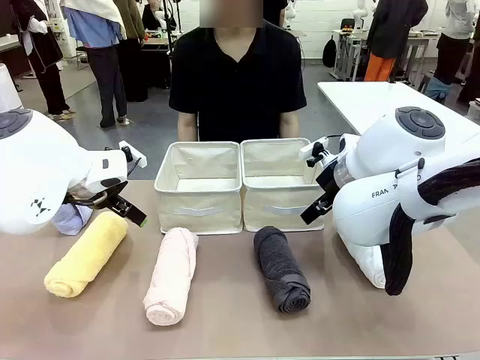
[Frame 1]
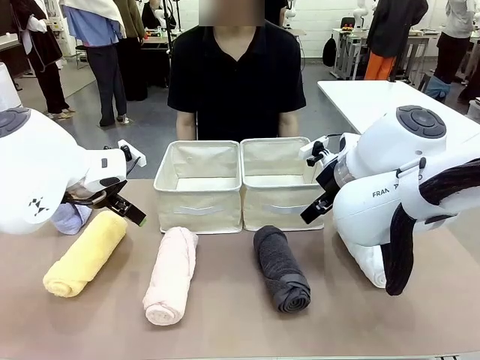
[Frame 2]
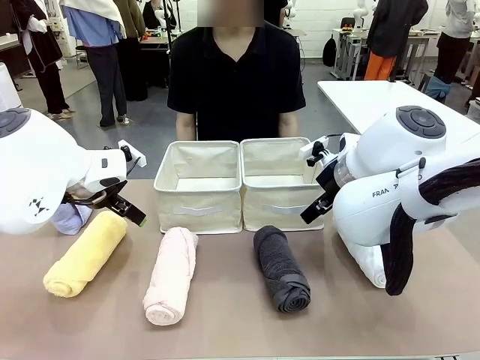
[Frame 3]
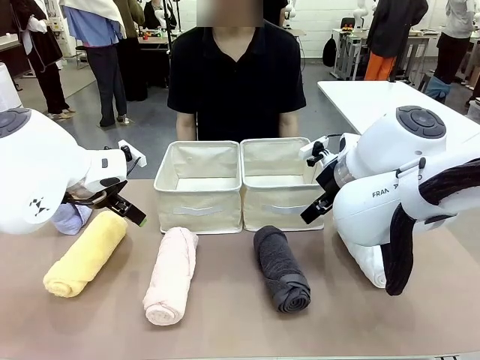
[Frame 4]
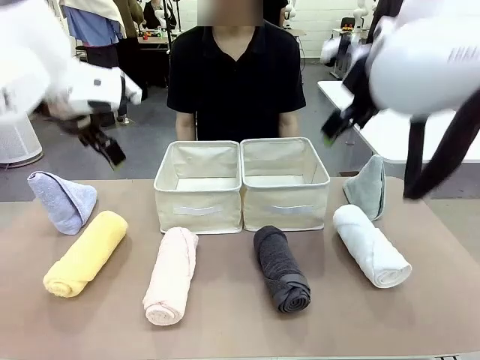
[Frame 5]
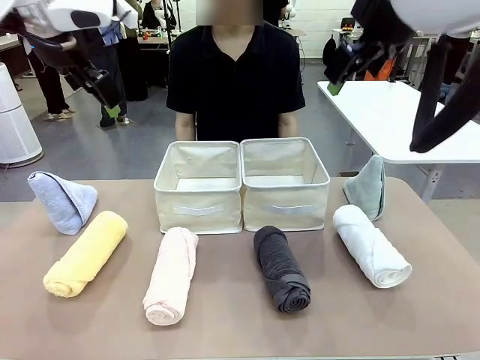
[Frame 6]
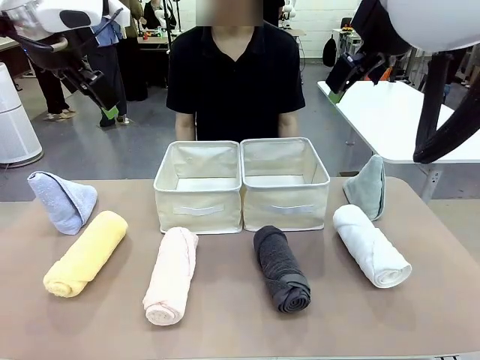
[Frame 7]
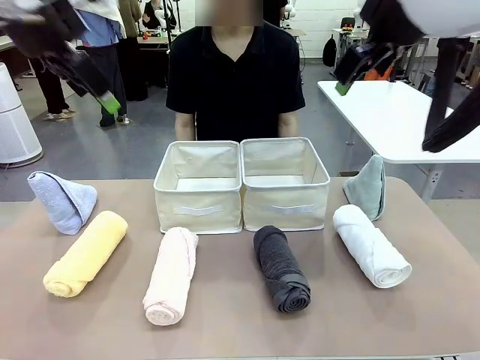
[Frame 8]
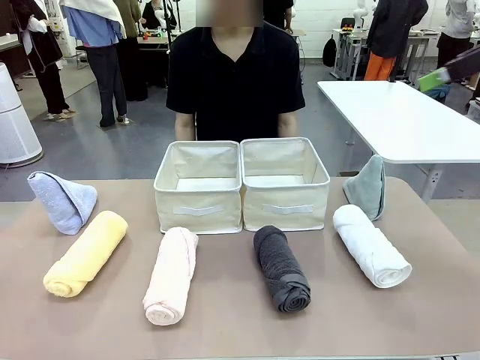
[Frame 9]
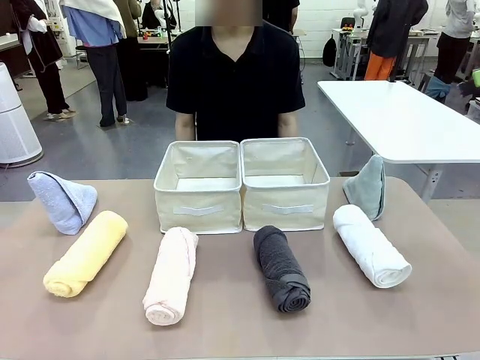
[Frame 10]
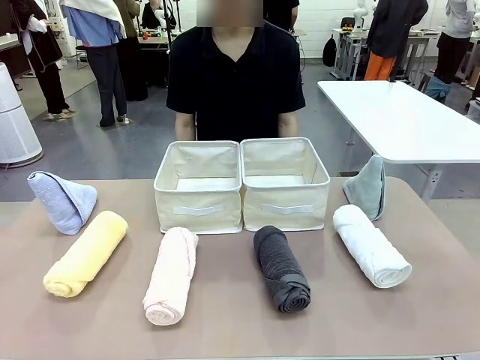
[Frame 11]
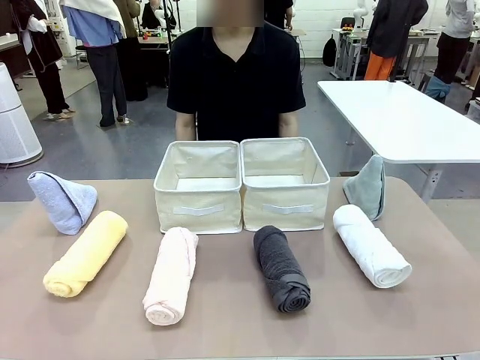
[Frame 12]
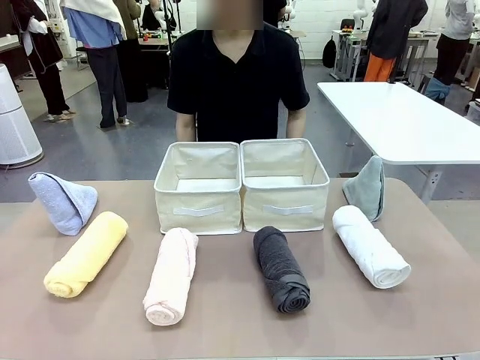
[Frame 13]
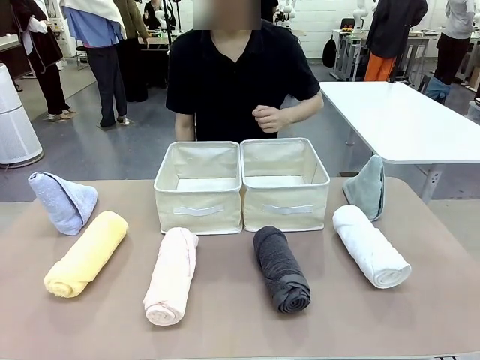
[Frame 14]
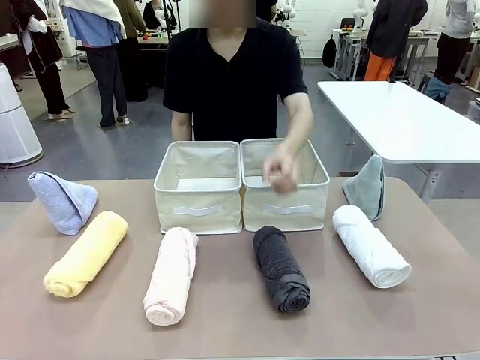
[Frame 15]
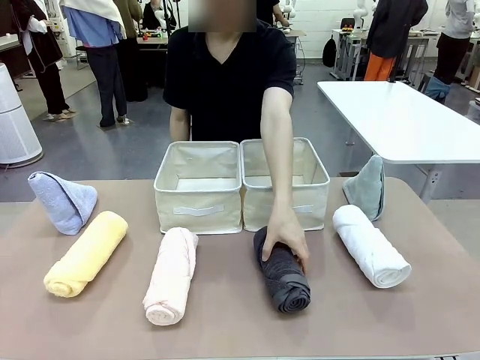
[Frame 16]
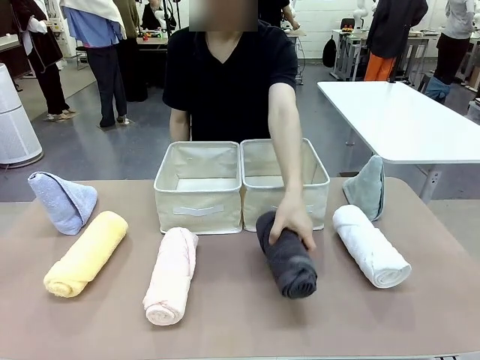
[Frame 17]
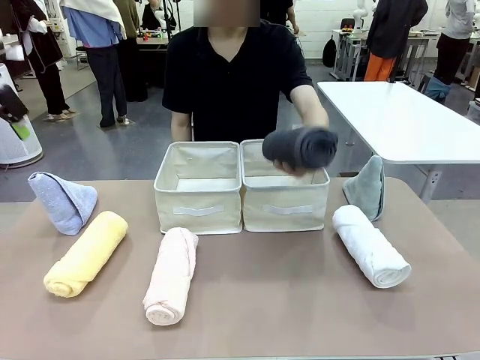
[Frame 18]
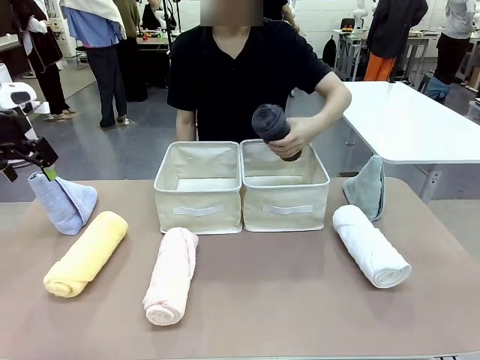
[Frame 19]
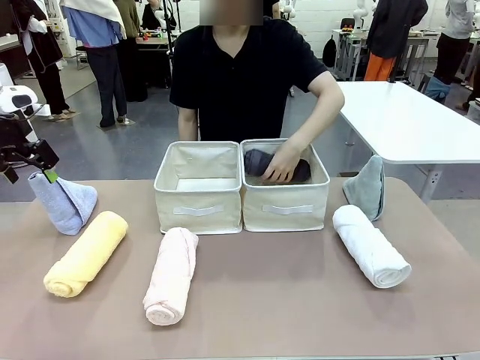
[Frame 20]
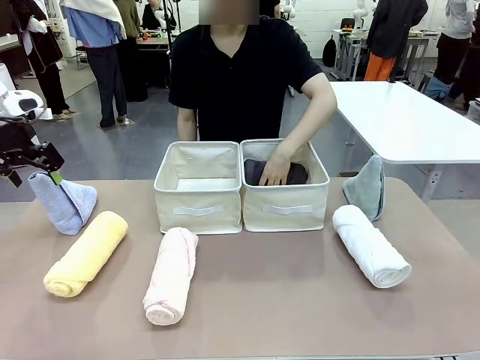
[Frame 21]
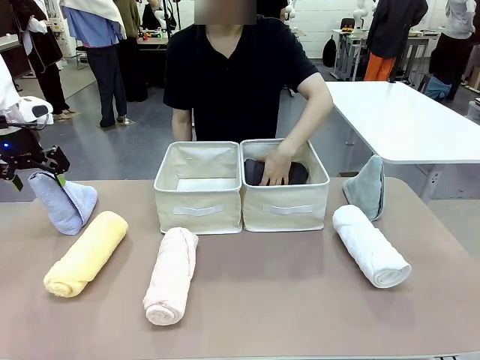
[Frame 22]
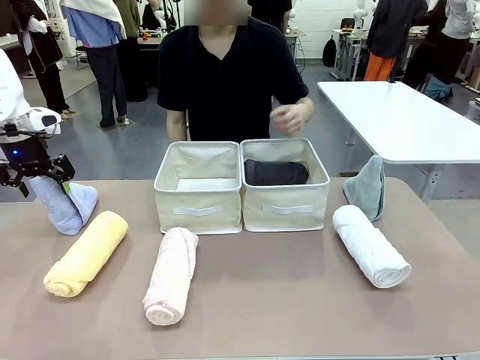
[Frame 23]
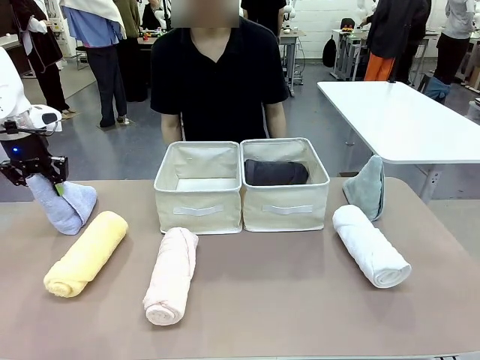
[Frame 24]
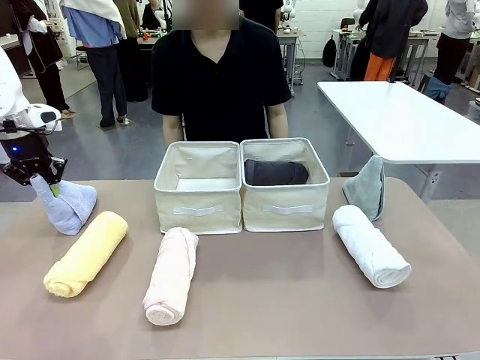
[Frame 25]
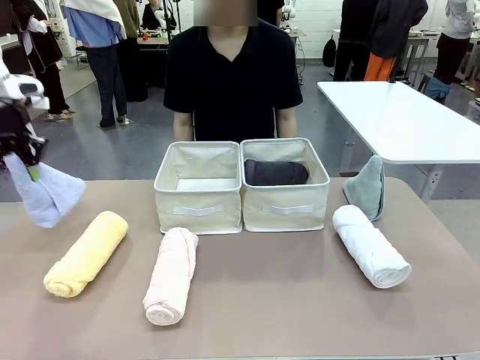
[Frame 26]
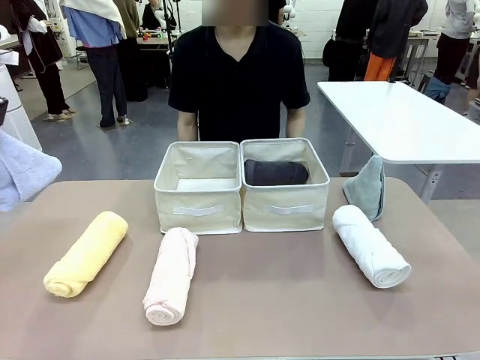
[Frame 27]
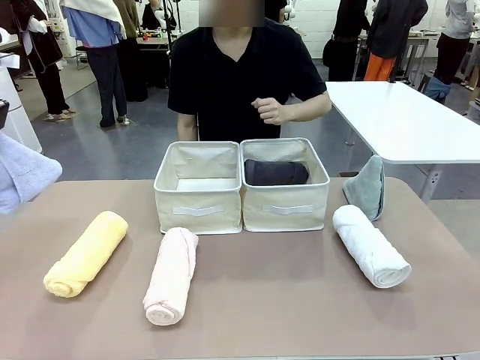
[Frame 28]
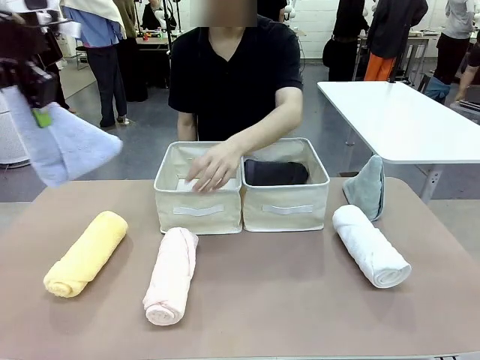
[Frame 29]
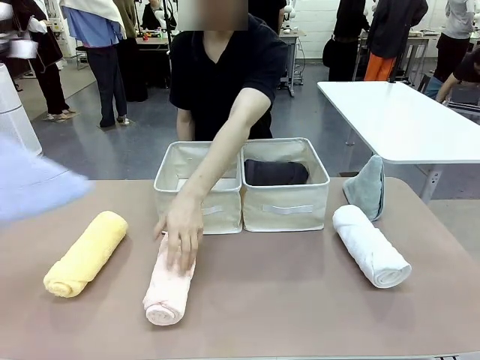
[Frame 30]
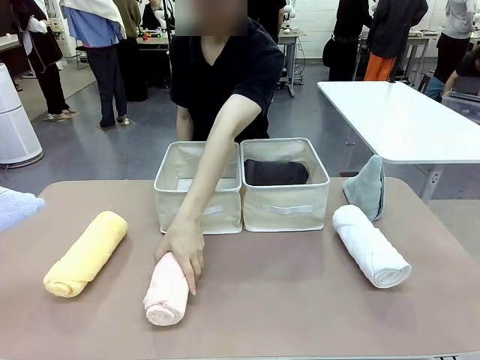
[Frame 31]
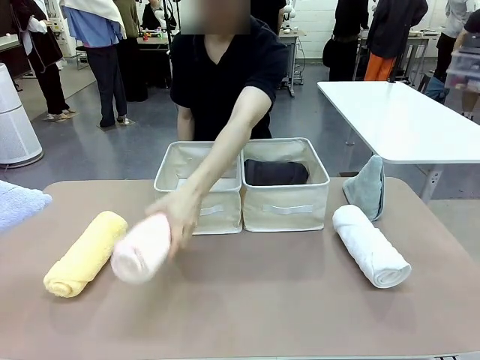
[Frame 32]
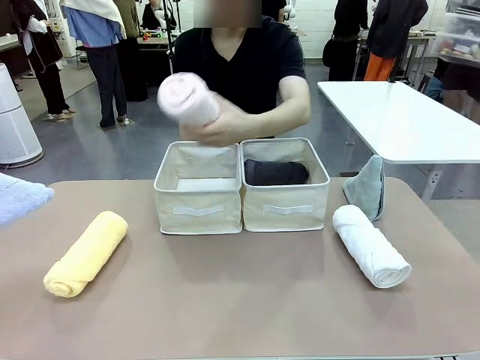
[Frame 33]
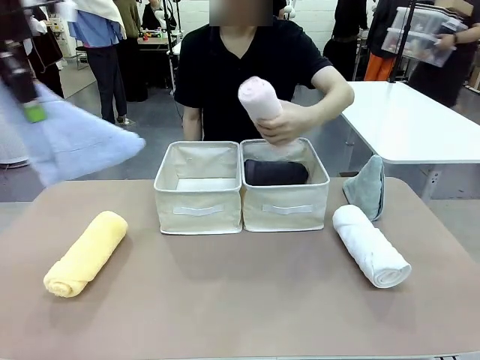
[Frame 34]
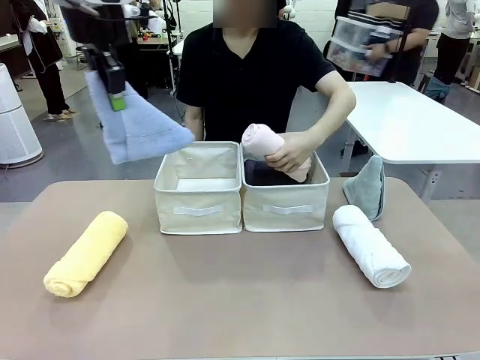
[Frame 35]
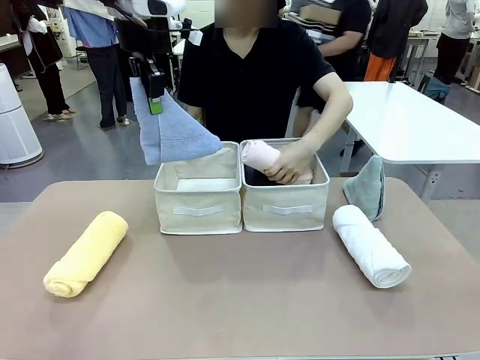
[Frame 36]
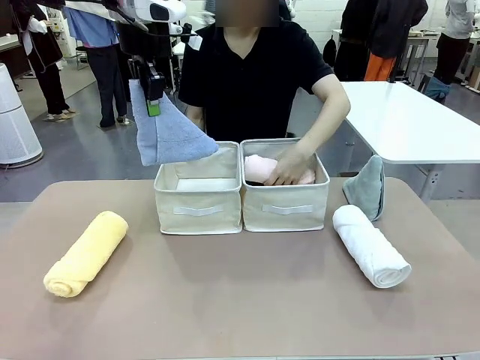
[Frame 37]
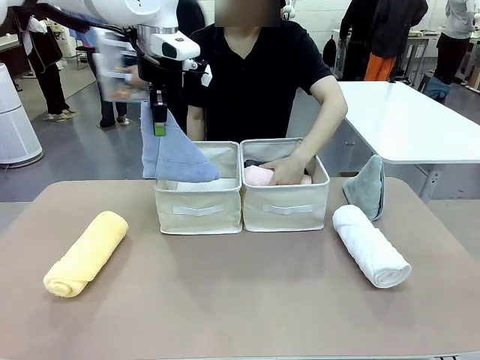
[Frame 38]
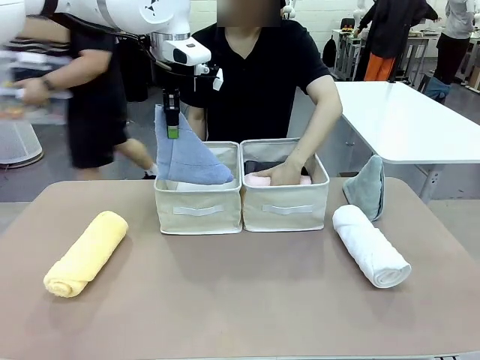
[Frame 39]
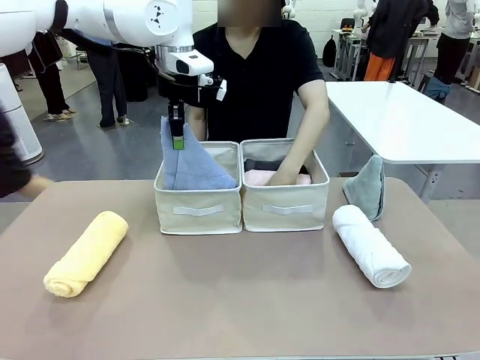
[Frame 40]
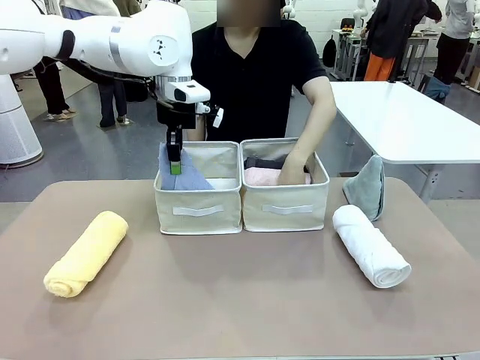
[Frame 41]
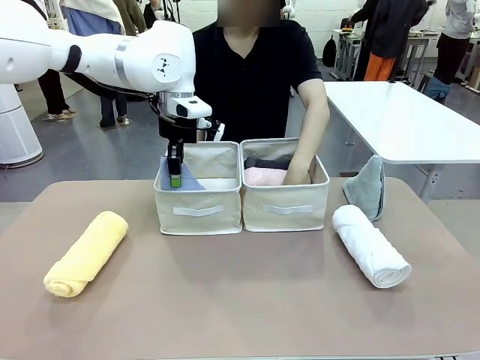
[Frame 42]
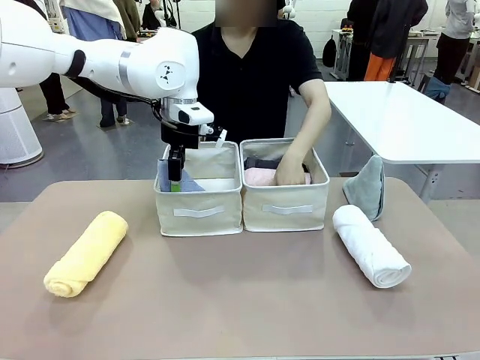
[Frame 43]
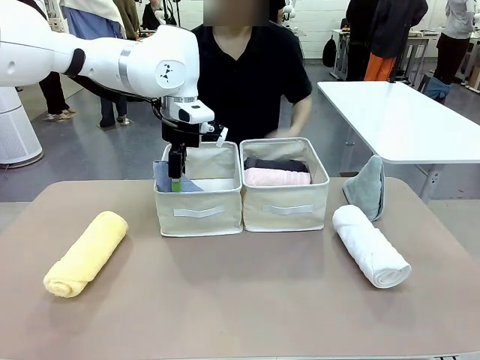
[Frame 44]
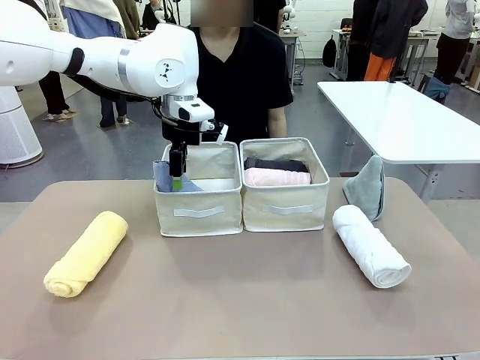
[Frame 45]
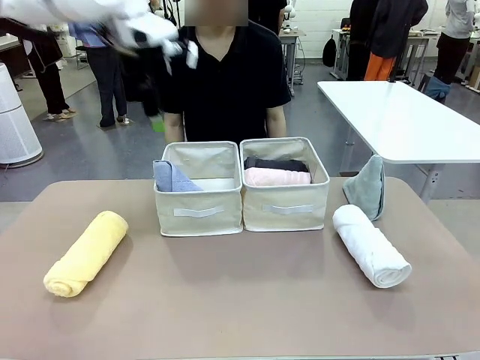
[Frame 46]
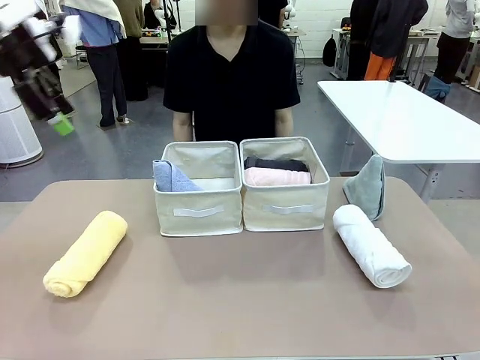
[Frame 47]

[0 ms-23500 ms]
Task: Sort the towels based on their folding style.
Robot: Pick up one triangle-folded towel and place it in the left Fabric basket.
Person: Pick up one hotel-style rolled towel and place it in the left fabric basket.
